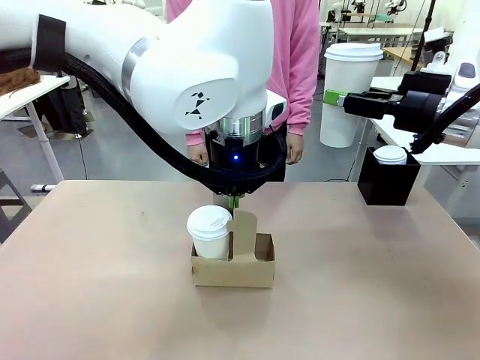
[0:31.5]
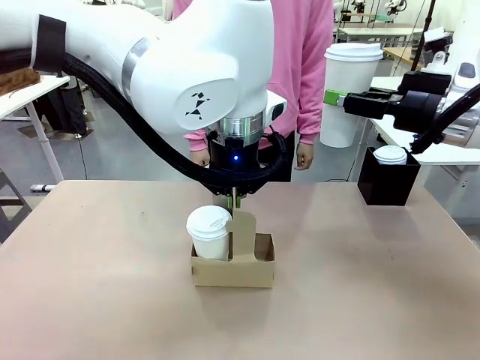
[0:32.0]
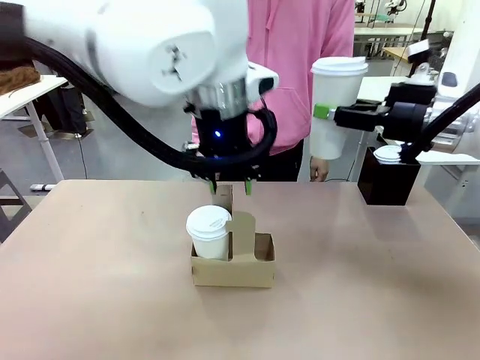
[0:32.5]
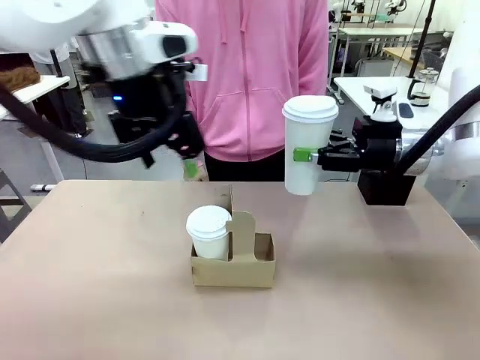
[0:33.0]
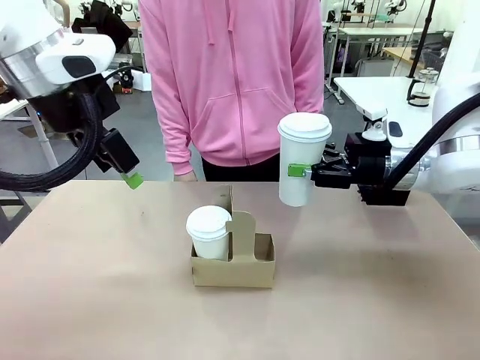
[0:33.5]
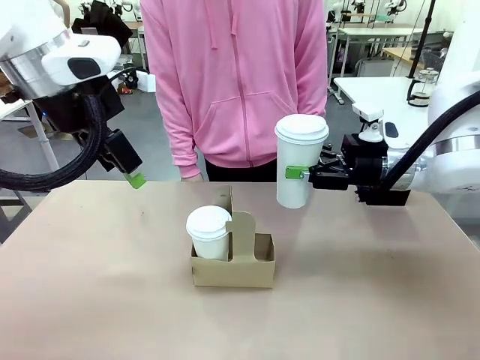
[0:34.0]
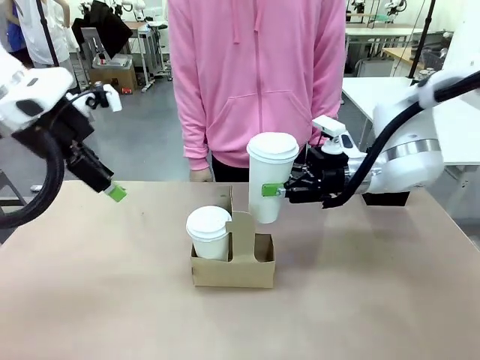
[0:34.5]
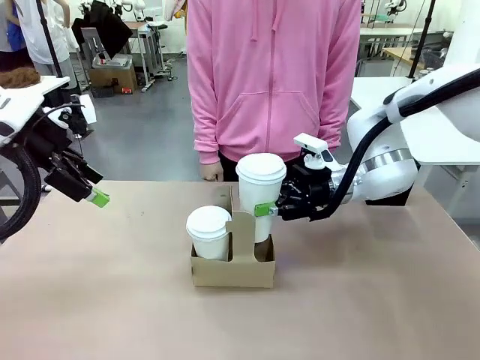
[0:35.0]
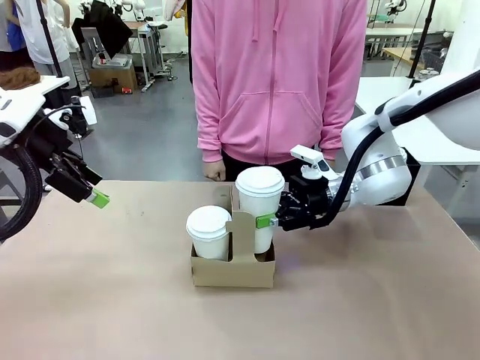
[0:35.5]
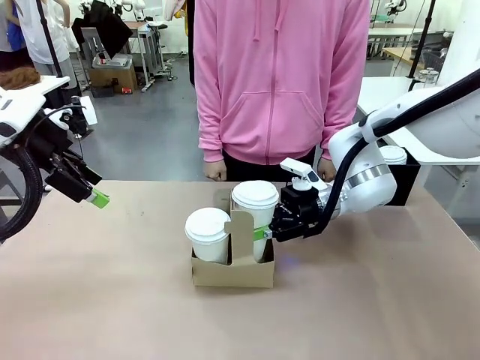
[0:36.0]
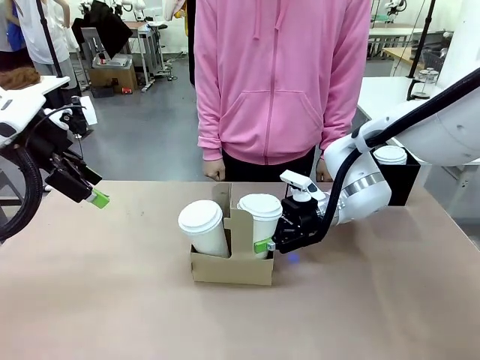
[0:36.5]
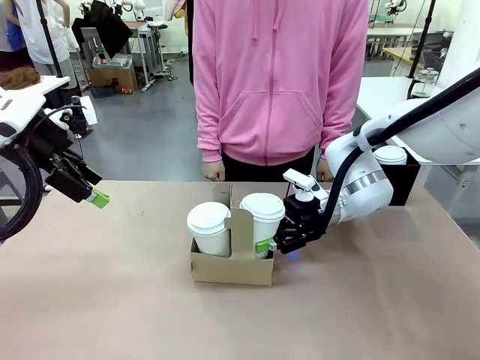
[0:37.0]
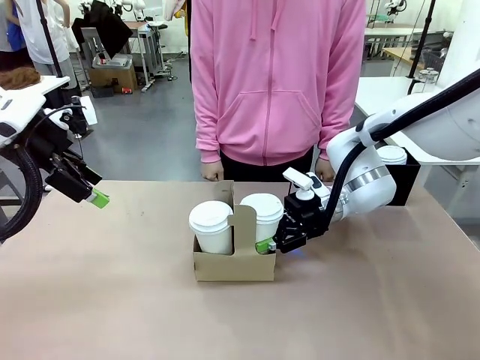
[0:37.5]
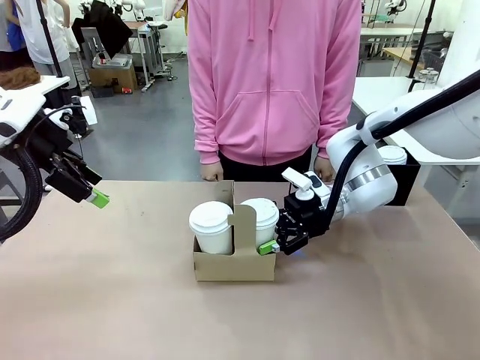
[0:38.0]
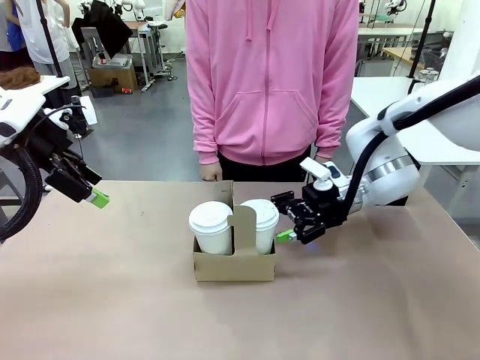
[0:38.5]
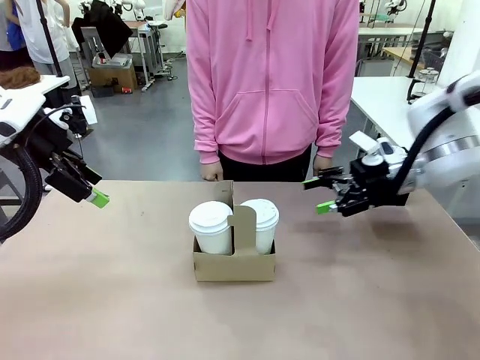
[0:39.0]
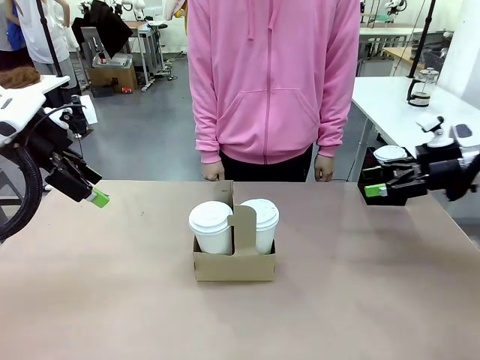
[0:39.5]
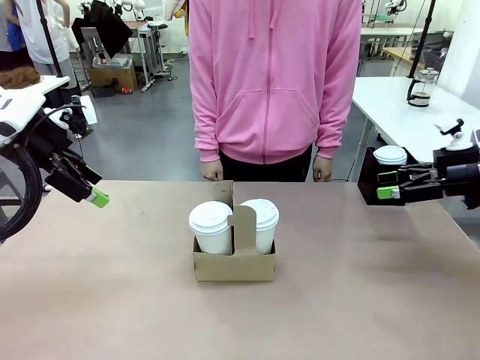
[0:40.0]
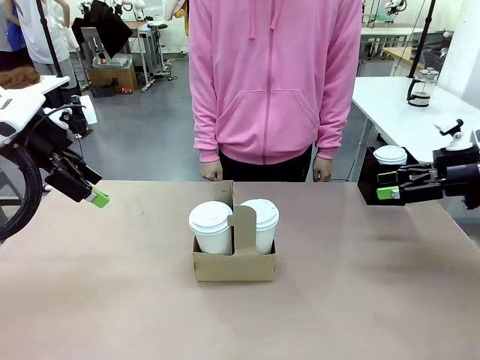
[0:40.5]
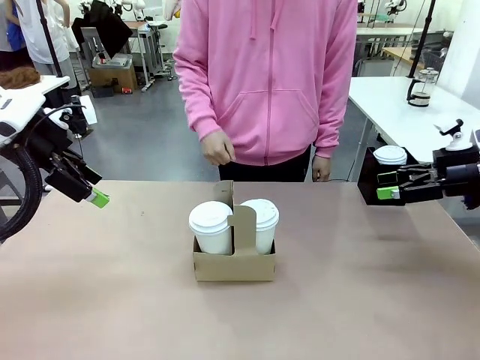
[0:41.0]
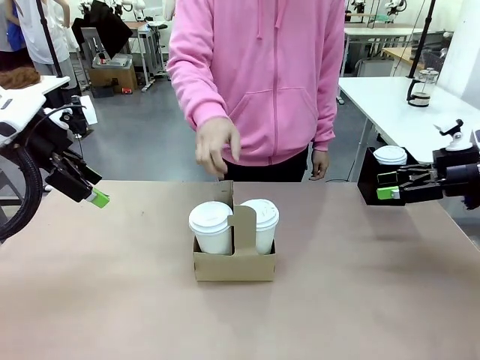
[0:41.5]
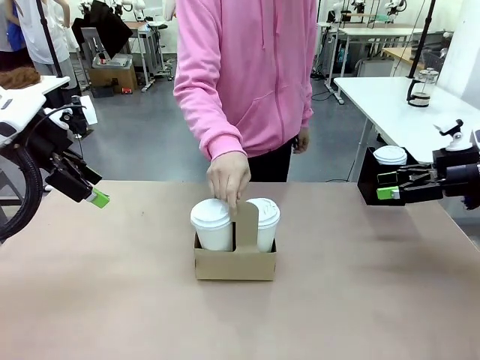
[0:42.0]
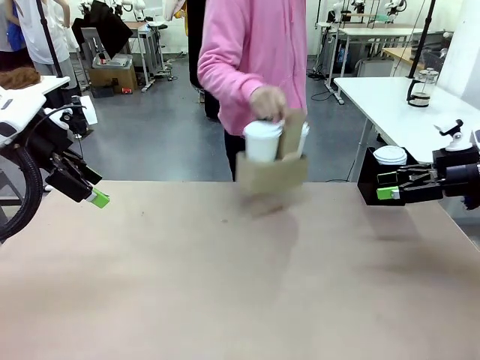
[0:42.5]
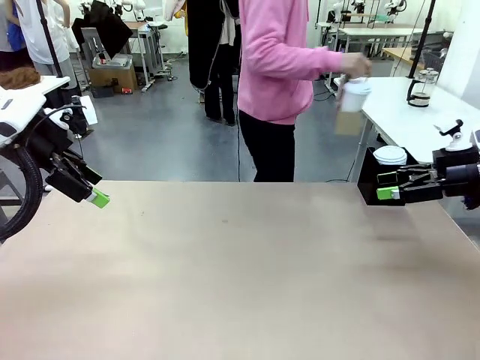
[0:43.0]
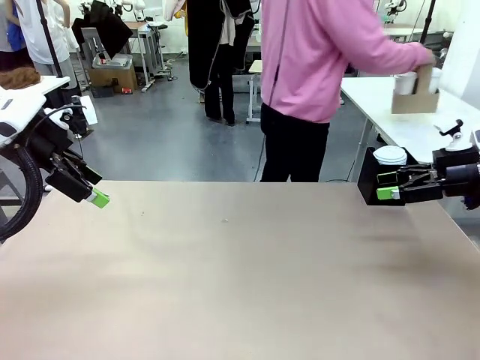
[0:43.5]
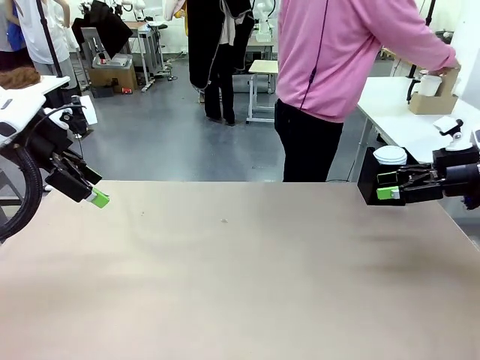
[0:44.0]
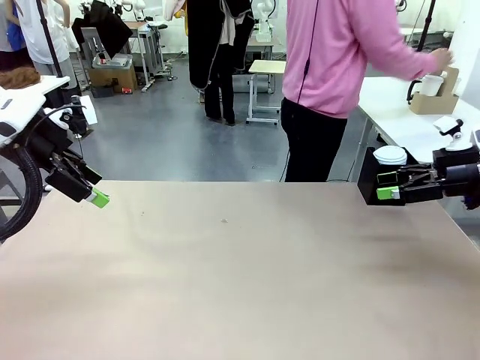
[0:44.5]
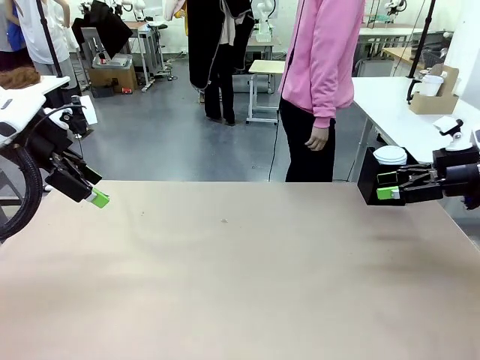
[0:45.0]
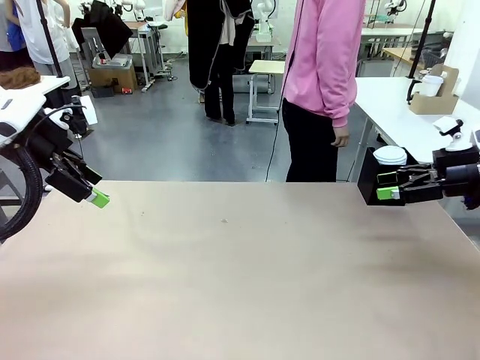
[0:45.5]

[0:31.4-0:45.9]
Task: Pour a drink into a cup and package it in a carrier.
Robot: Insert the held 600 ml Paper Cup into the Cup Carrier.
Person: Place the Cup Carrier to the middle of Human table.

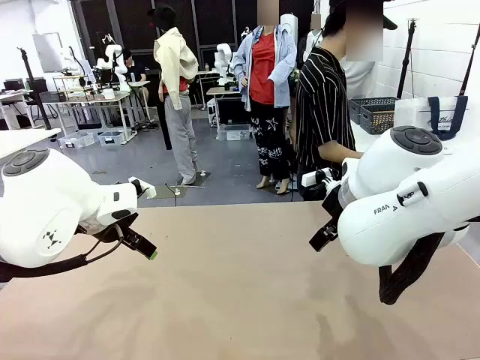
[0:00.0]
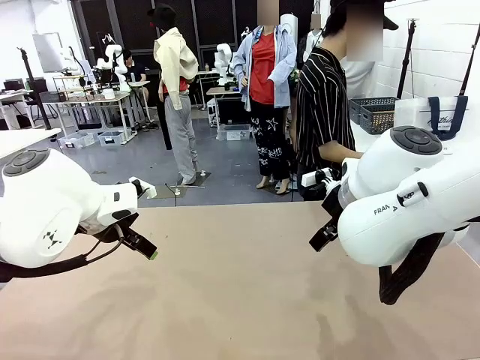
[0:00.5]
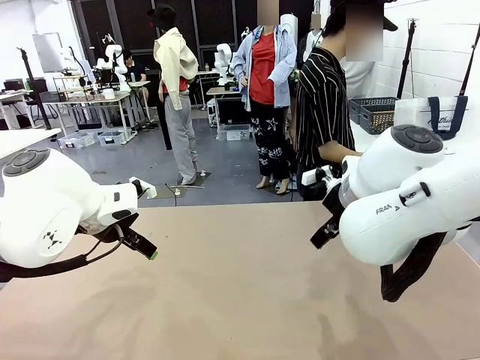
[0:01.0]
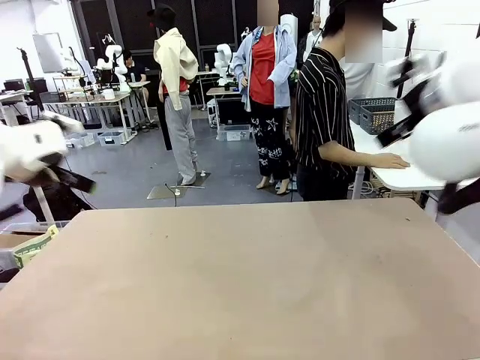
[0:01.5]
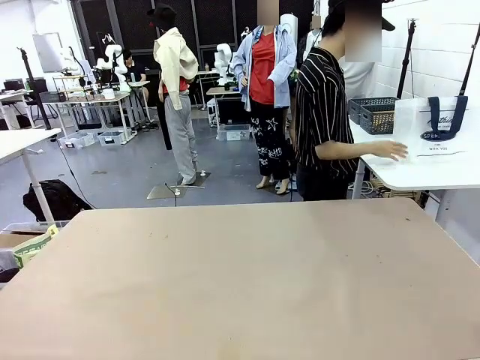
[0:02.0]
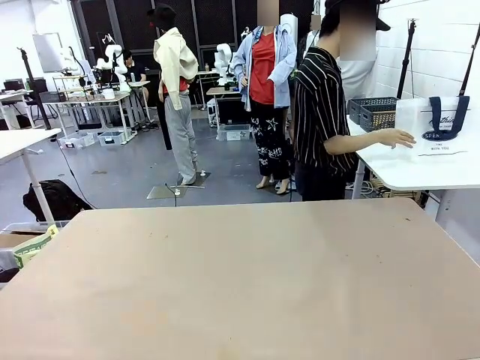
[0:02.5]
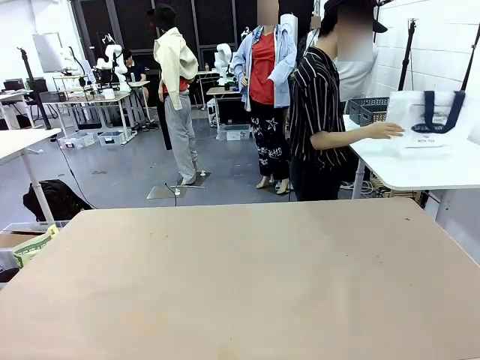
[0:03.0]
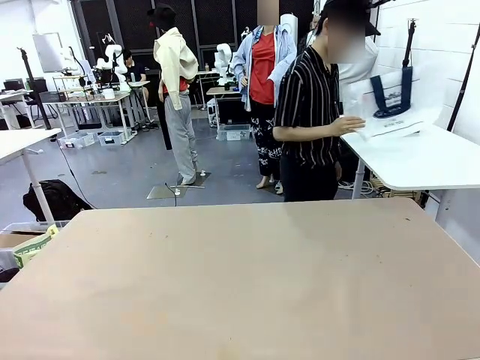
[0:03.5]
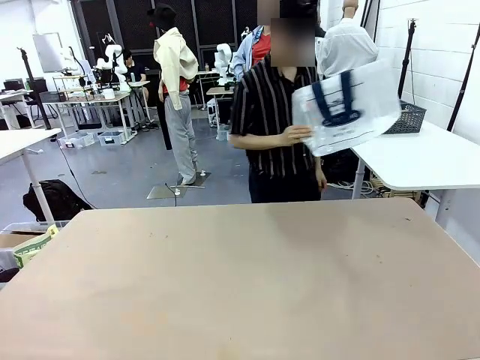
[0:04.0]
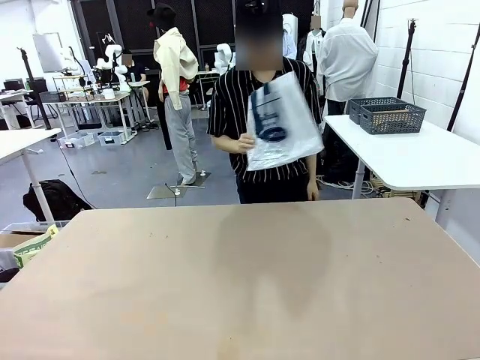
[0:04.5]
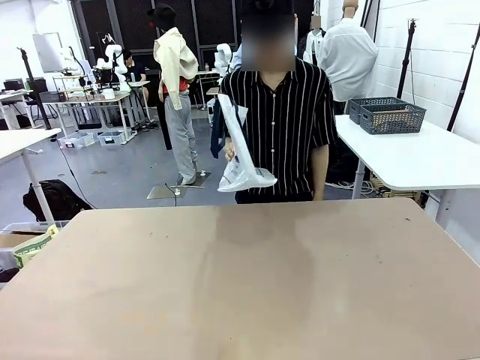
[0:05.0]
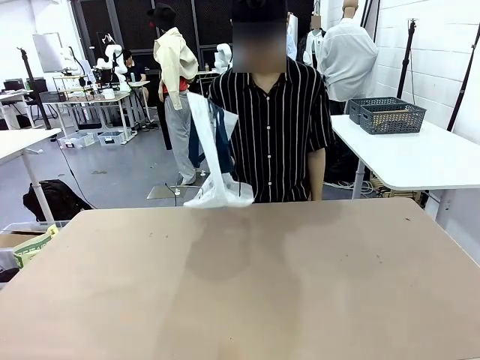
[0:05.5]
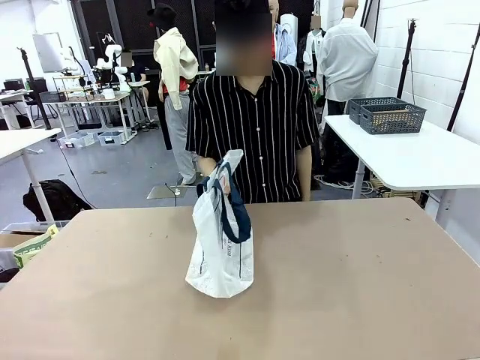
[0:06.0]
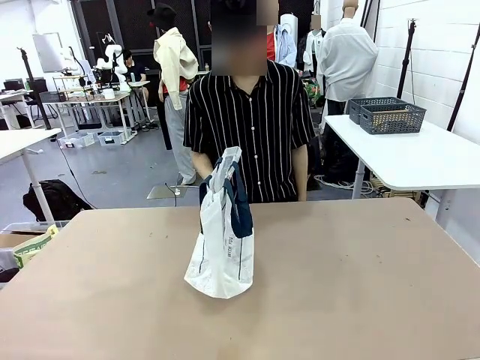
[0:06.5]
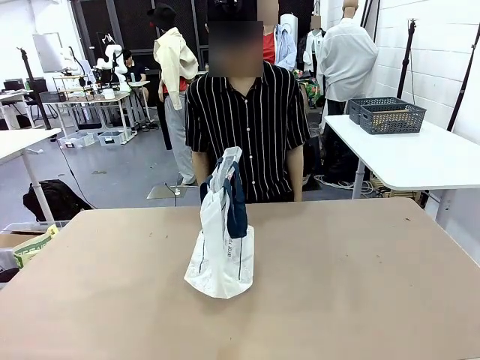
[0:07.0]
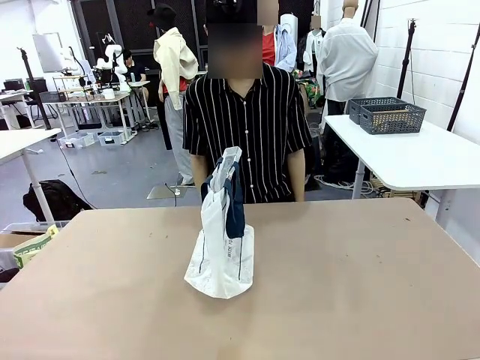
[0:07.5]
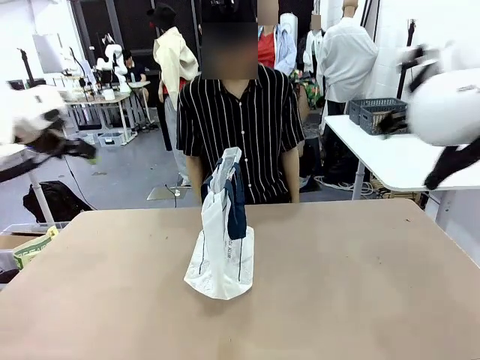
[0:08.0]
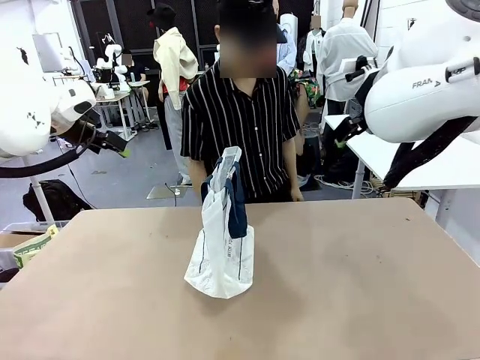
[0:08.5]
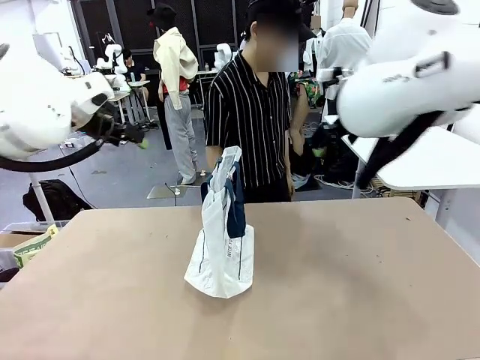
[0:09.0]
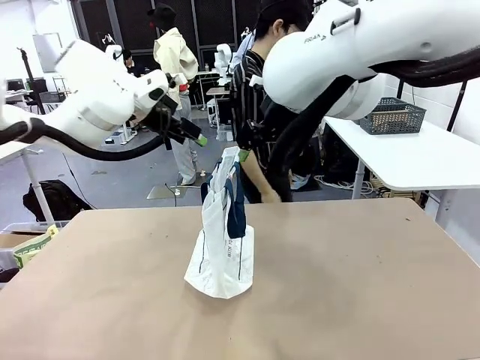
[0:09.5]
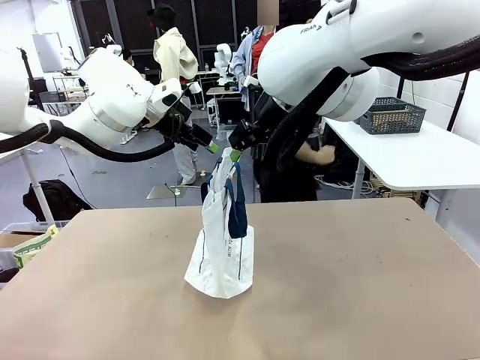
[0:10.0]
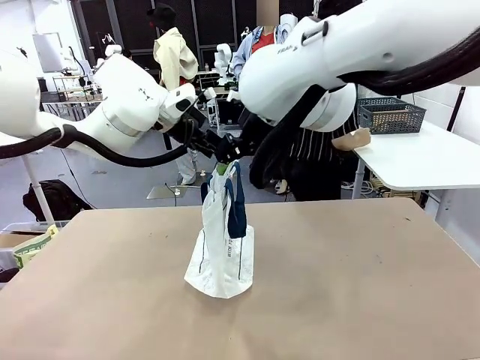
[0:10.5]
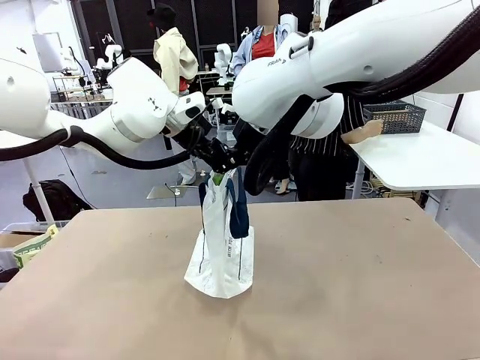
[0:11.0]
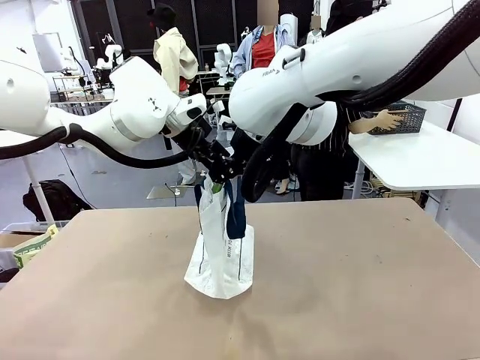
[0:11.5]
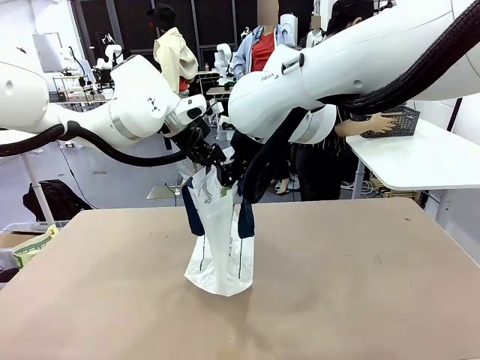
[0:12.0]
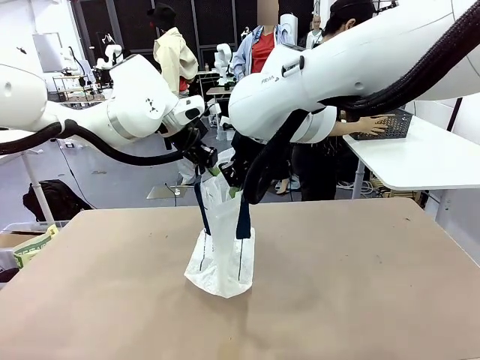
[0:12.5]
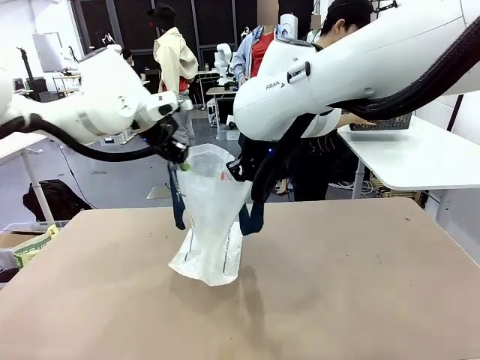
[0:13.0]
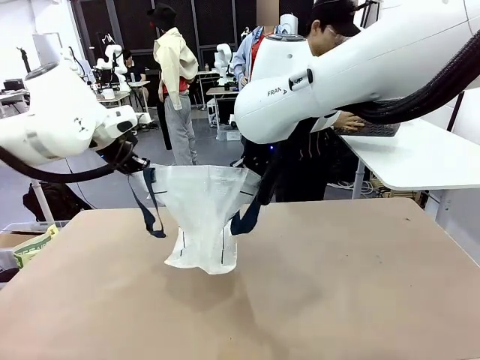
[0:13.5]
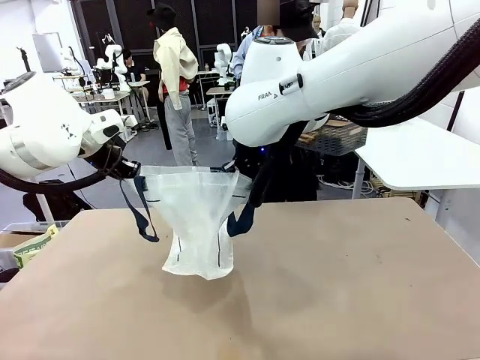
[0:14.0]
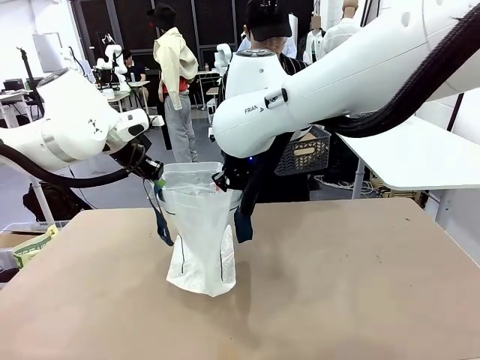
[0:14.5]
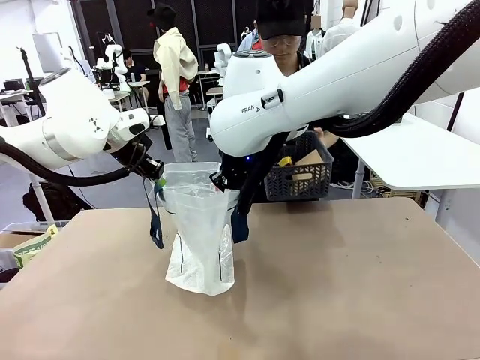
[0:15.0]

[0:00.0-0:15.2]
Task: Transfer purchased items from the store into the shopping bag.
Robot: Open the Reusable shopping bag in the center of the table.
Person: Pick up the shopping bag and place it in the middle of the robot table. Pick up the basket on the right, place it on the left side of the robot table, and move the items in the basket to the shopping bag.
